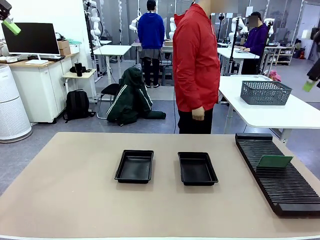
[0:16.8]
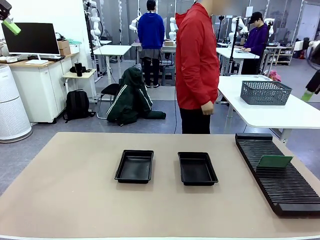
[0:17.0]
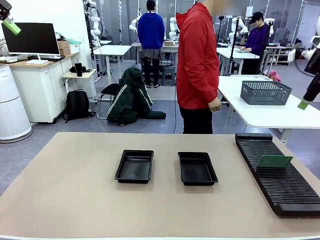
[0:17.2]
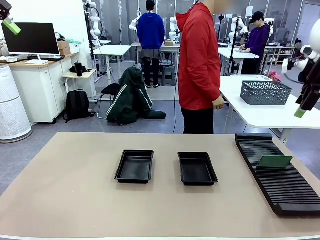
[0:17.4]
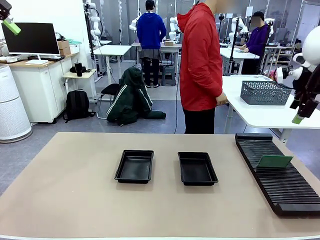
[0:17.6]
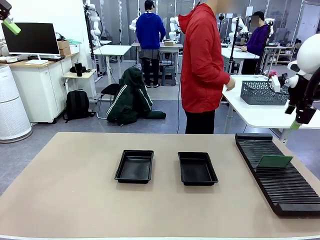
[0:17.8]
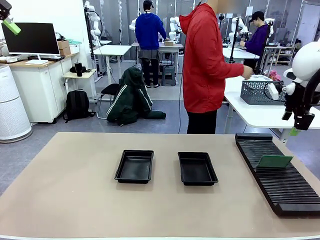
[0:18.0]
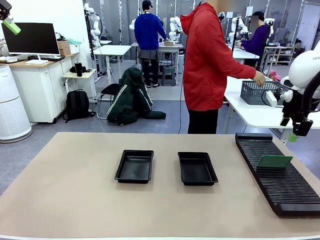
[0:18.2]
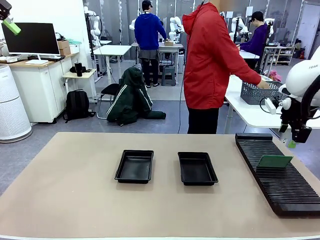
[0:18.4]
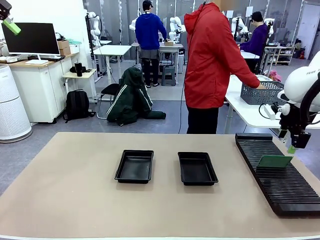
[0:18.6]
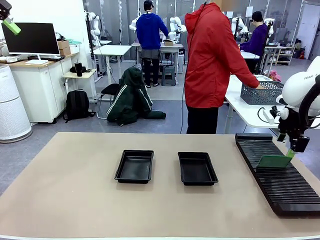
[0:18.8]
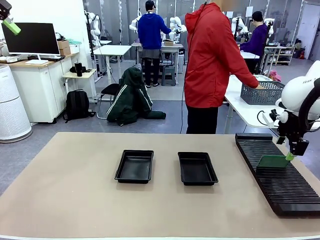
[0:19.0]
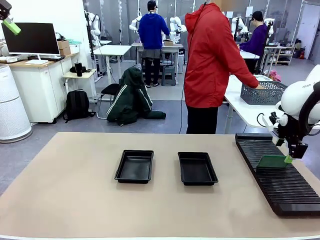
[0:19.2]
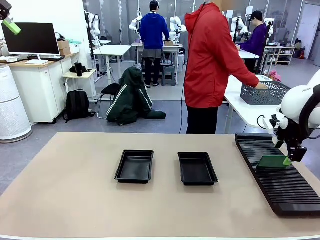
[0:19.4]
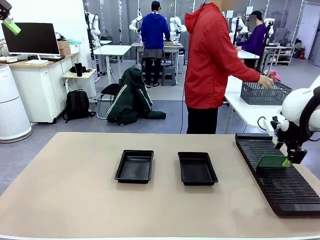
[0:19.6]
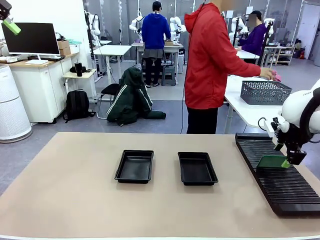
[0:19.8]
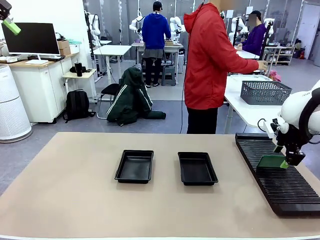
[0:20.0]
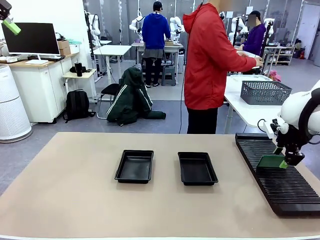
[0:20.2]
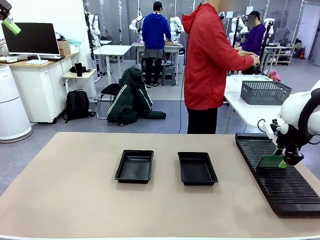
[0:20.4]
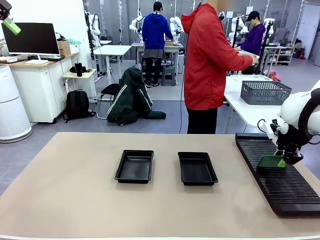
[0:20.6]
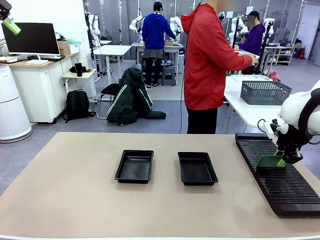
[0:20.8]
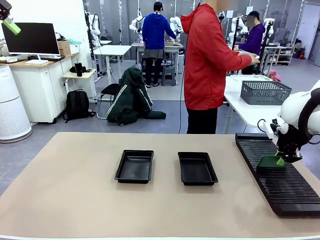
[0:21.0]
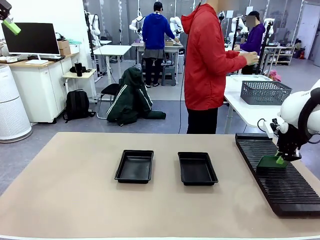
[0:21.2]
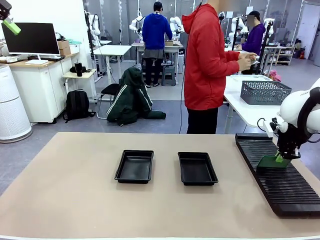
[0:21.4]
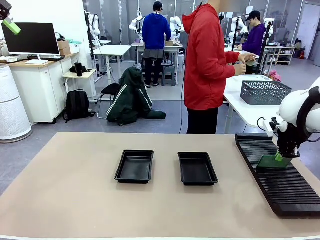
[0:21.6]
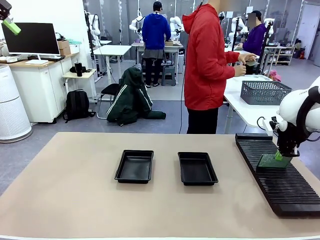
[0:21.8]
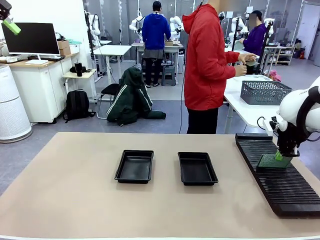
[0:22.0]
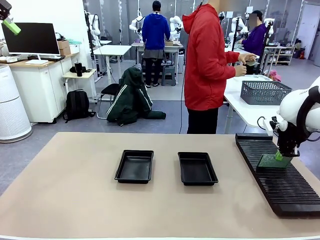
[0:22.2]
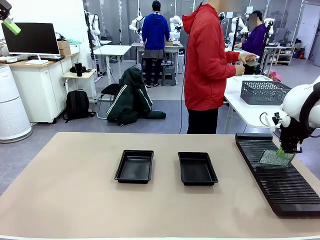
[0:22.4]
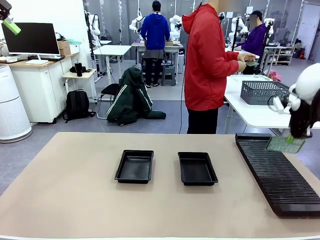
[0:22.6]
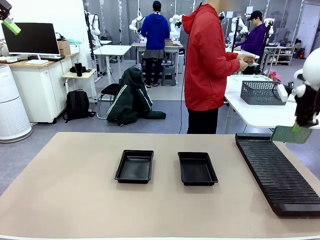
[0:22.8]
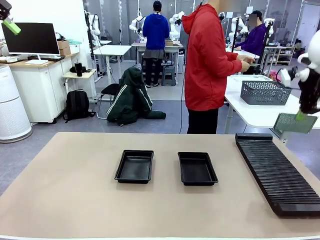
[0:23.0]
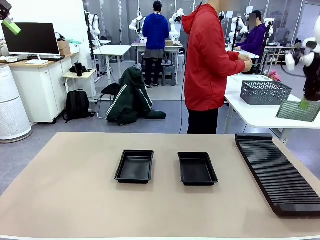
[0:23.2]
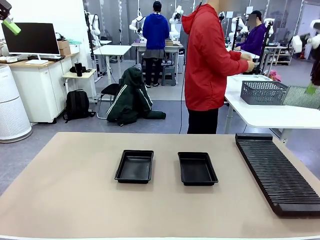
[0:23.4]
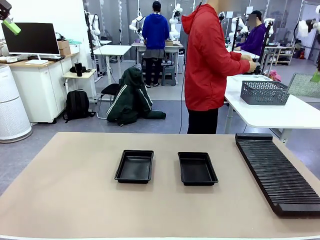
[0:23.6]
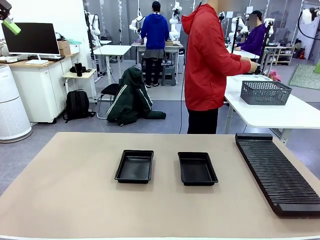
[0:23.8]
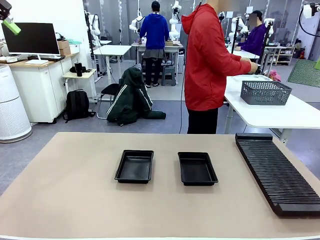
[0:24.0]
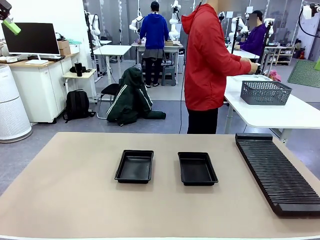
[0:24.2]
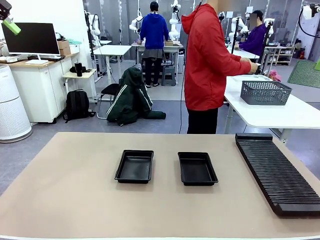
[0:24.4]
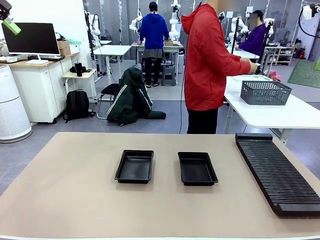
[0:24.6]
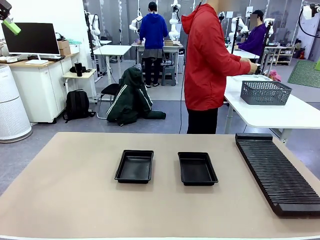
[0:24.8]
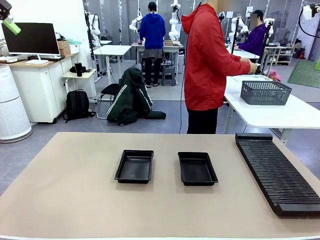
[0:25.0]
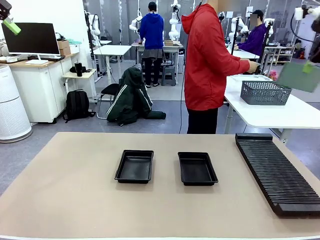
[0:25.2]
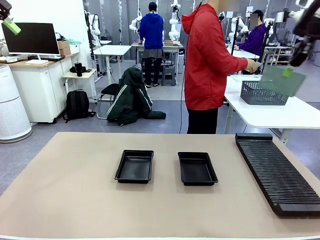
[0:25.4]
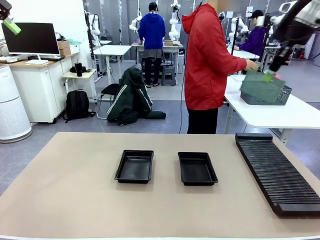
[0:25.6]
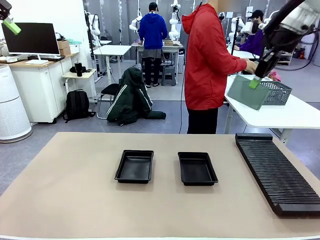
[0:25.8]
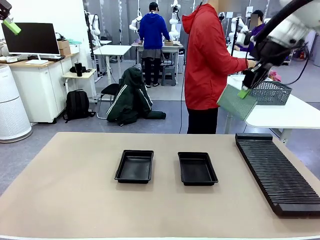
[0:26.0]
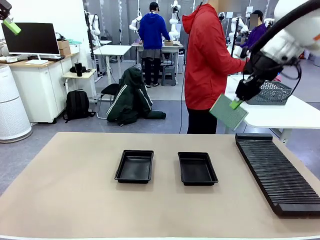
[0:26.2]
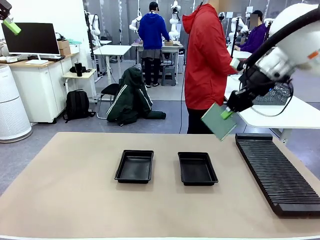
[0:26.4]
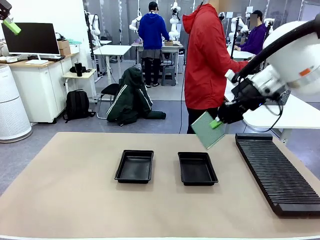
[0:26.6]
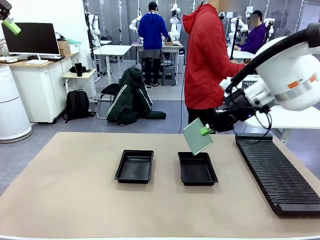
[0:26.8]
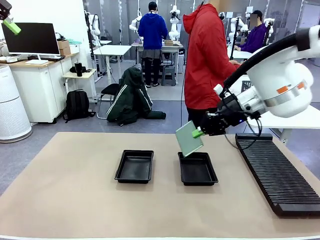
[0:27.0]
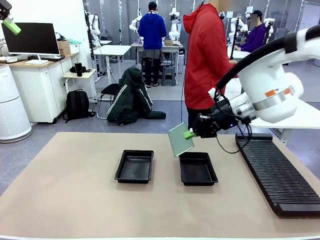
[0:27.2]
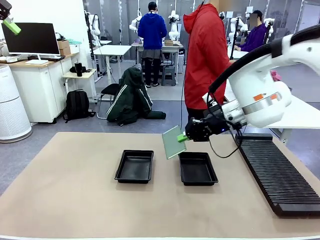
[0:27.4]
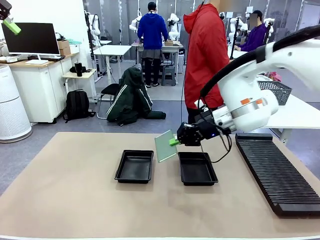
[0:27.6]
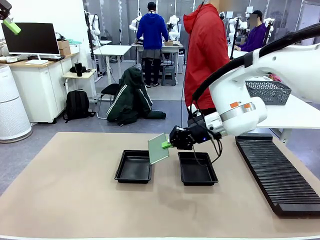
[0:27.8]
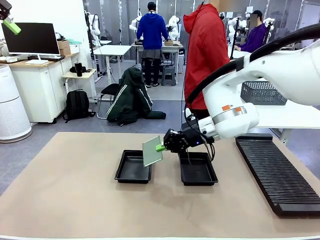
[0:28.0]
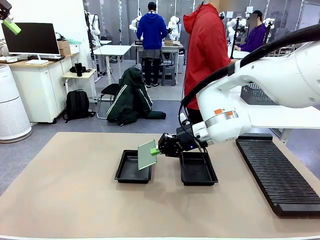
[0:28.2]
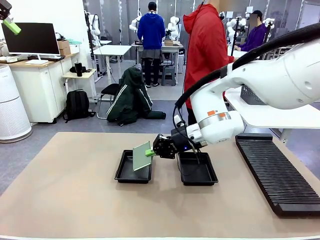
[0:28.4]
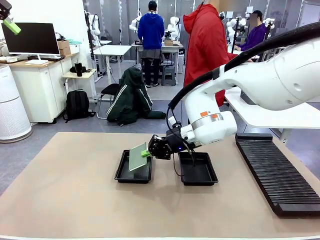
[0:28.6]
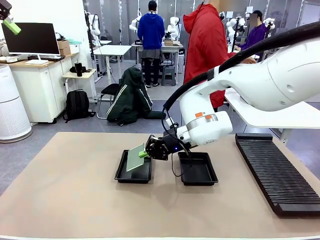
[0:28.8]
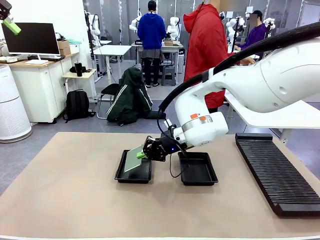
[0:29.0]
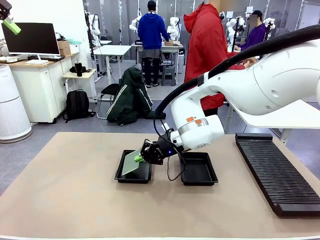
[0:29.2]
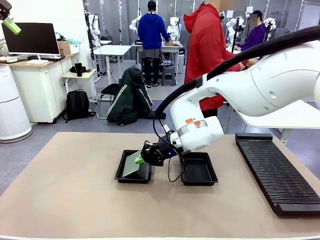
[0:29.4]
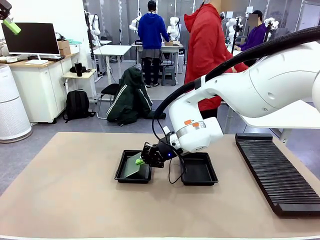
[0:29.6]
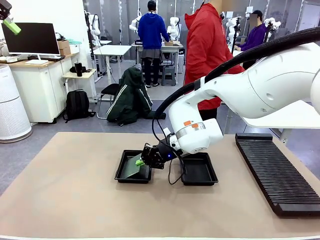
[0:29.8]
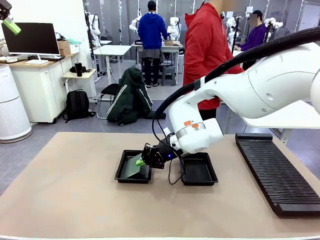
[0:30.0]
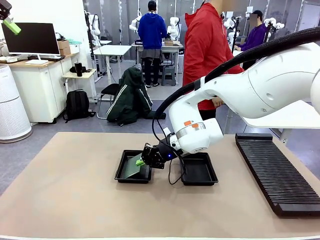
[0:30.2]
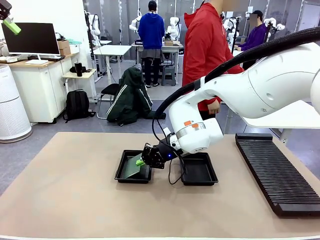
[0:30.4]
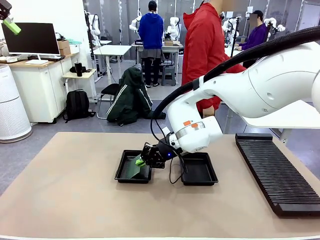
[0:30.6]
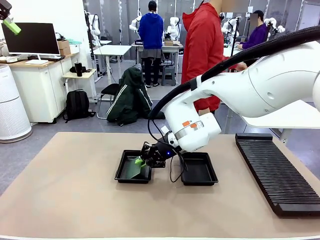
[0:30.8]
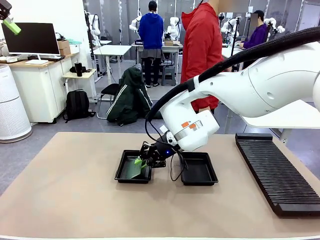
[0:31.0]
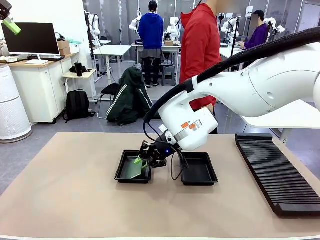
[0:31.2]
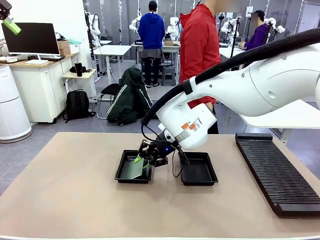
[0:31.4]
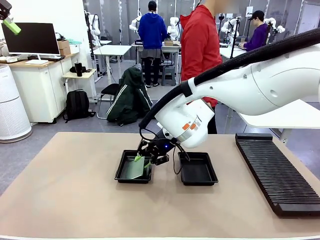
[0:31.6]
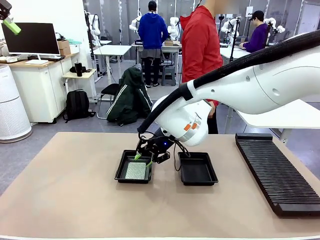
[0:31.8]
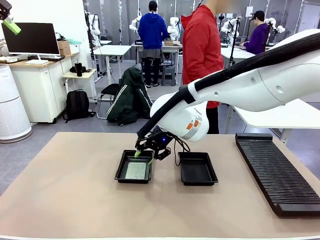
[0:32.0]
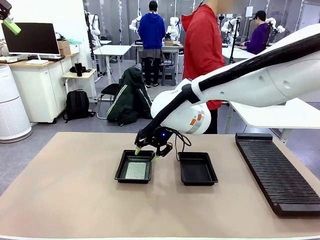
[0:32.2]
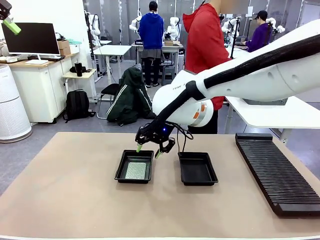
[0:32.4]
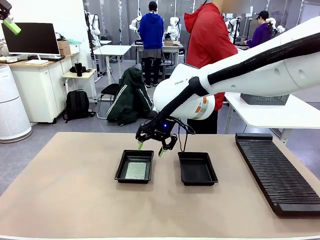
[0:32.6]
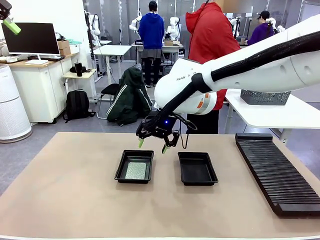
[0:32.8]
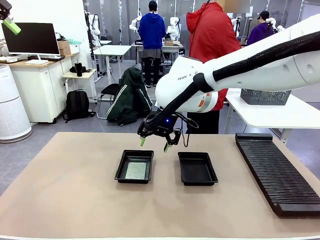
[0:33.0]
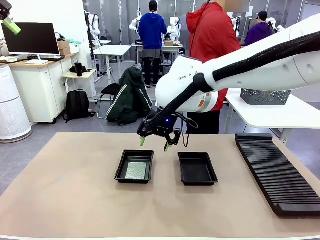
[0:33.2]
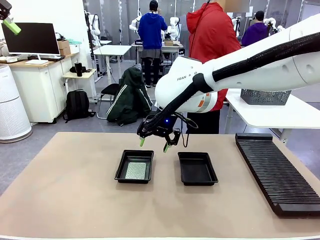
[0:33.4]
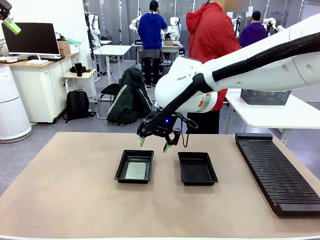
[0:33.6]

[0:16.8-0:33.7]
Task: Inspect and transfer BCBs to ESD trays.
Robot: Pick up the Blank PCB from the PCB Rack and place it in the left ESD tray.
